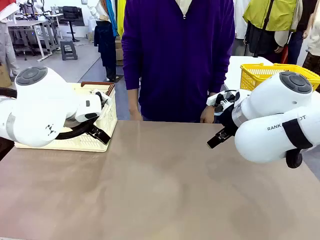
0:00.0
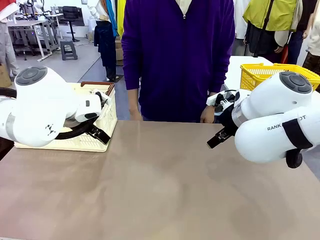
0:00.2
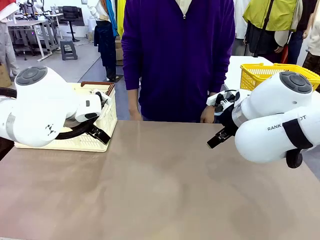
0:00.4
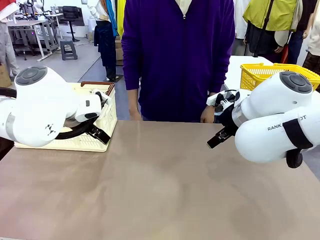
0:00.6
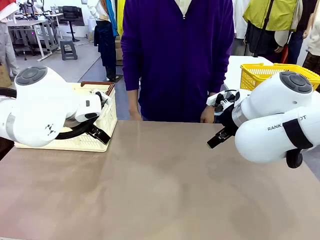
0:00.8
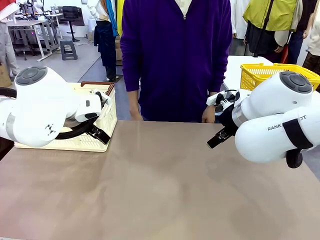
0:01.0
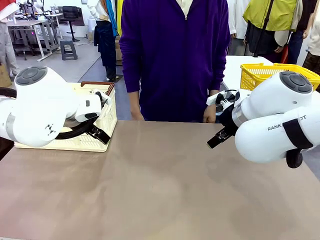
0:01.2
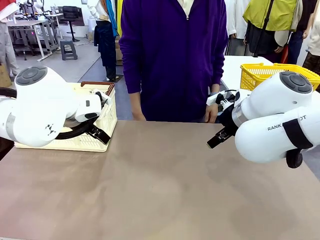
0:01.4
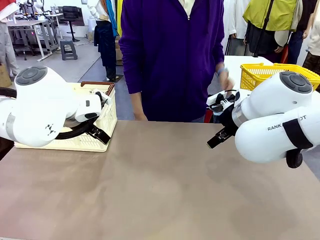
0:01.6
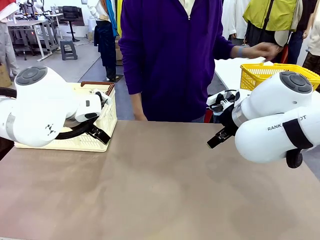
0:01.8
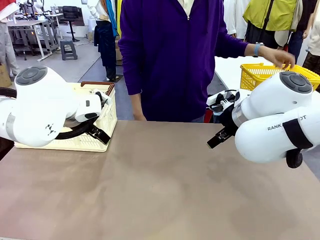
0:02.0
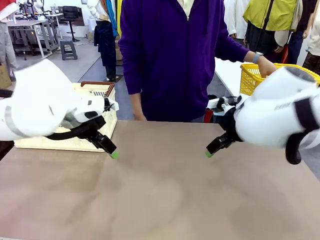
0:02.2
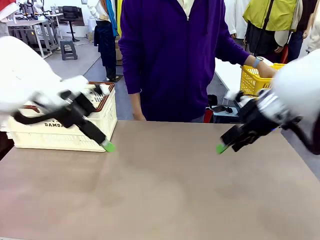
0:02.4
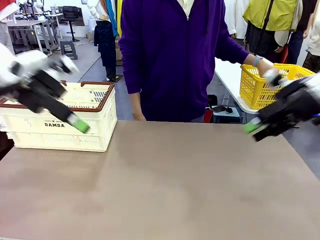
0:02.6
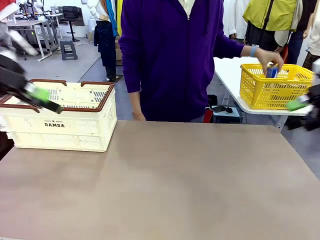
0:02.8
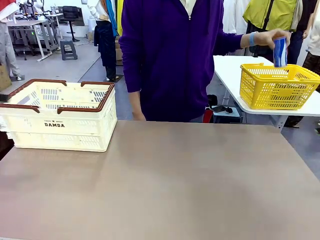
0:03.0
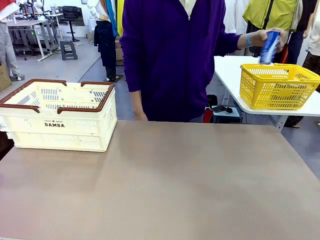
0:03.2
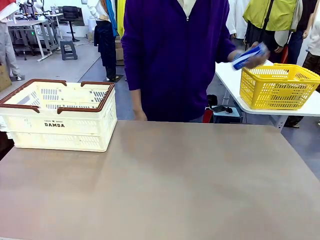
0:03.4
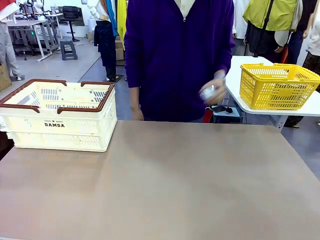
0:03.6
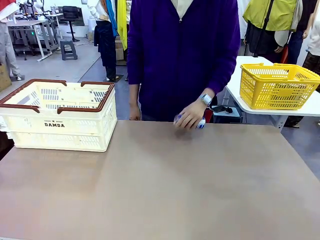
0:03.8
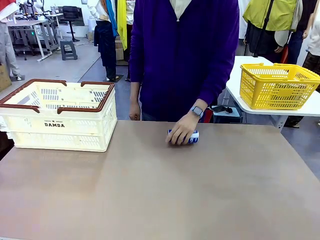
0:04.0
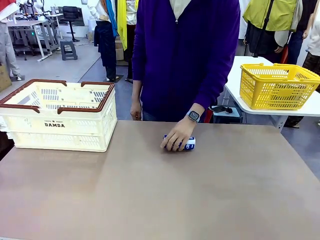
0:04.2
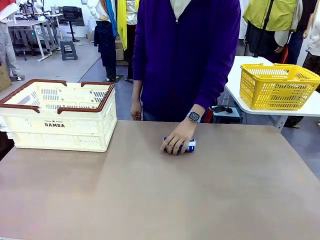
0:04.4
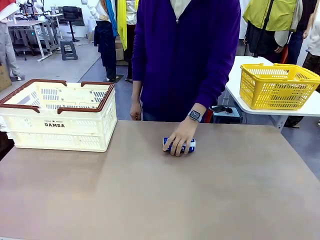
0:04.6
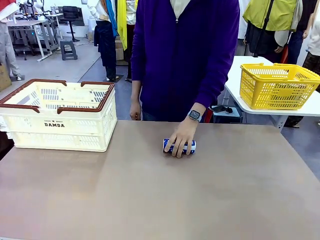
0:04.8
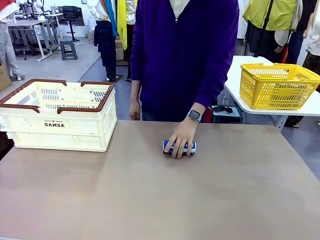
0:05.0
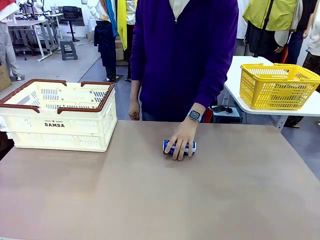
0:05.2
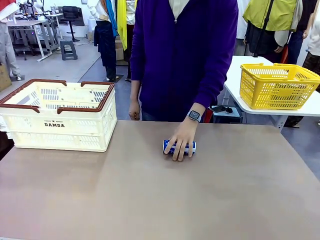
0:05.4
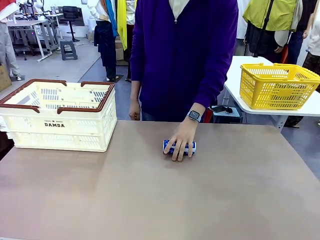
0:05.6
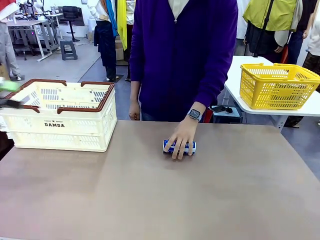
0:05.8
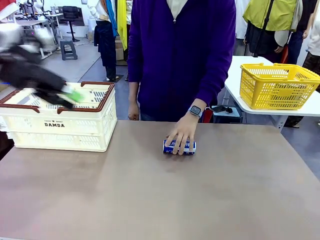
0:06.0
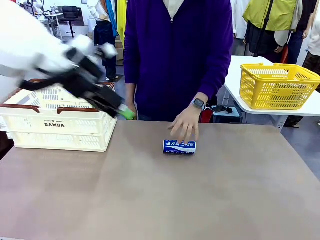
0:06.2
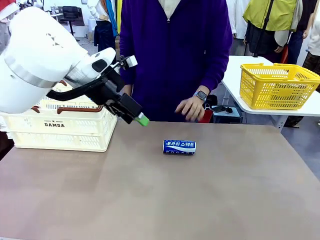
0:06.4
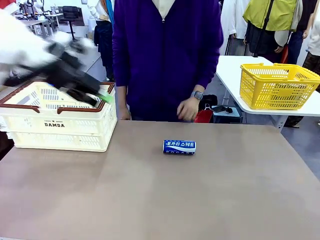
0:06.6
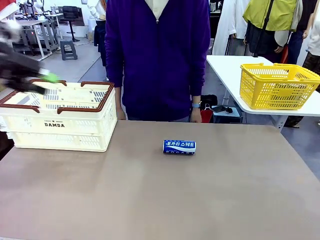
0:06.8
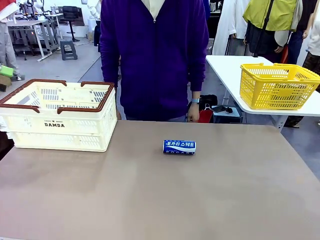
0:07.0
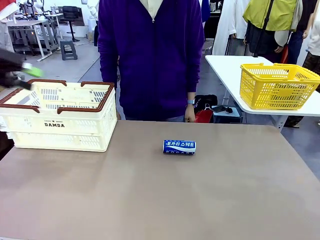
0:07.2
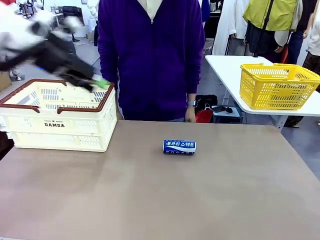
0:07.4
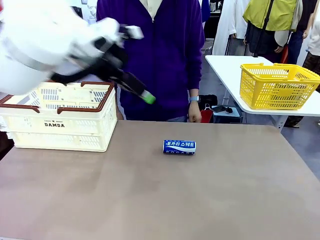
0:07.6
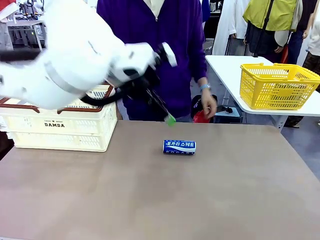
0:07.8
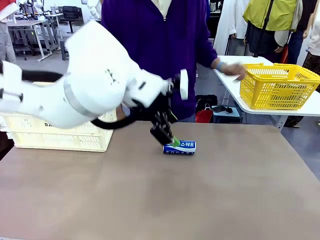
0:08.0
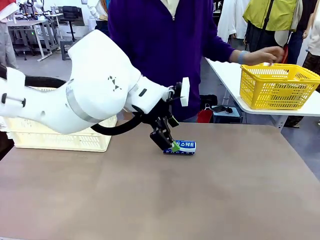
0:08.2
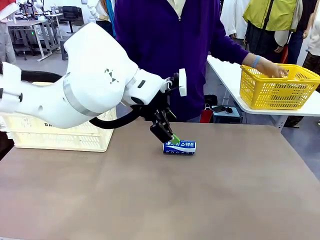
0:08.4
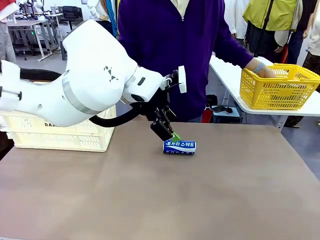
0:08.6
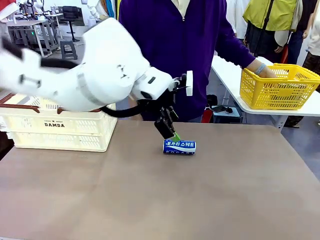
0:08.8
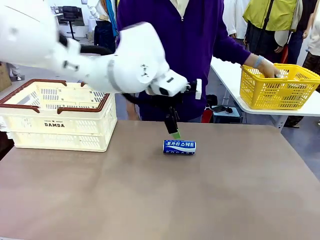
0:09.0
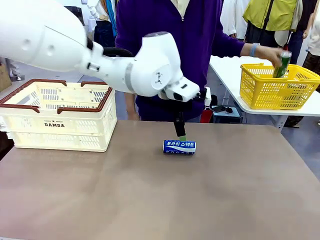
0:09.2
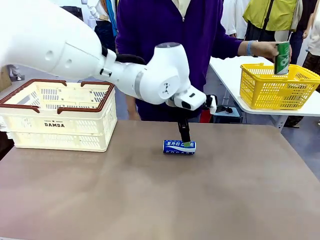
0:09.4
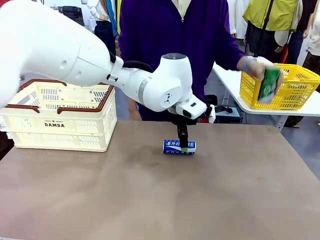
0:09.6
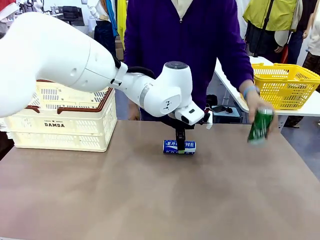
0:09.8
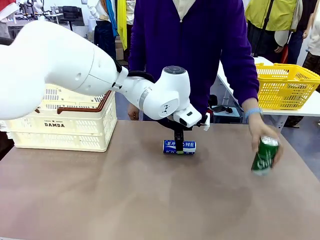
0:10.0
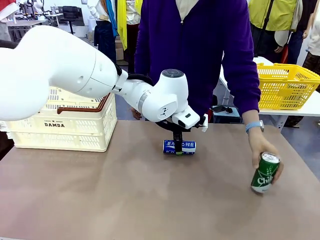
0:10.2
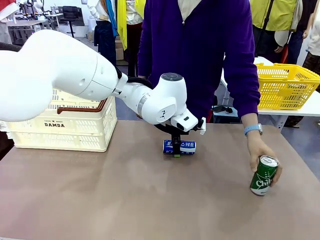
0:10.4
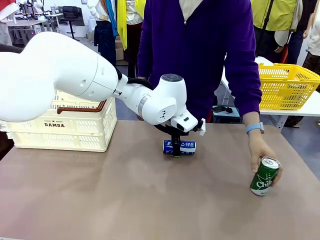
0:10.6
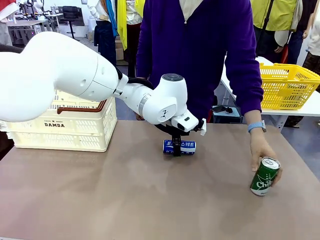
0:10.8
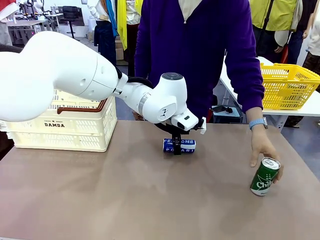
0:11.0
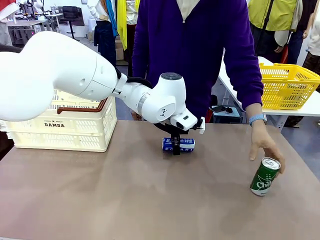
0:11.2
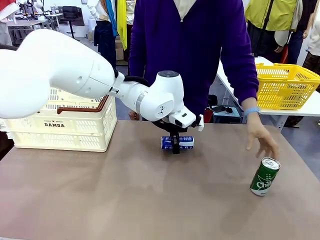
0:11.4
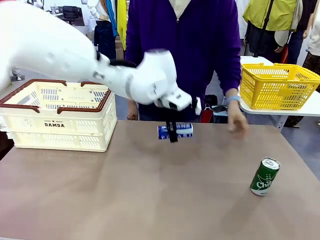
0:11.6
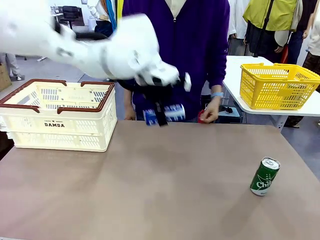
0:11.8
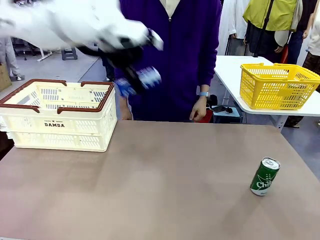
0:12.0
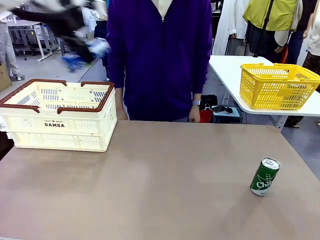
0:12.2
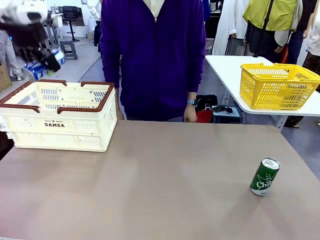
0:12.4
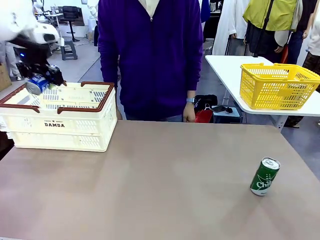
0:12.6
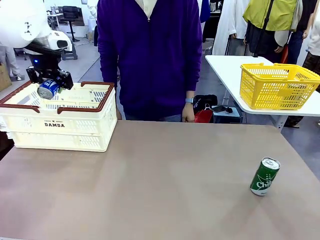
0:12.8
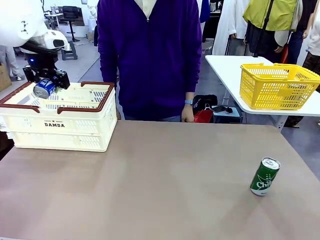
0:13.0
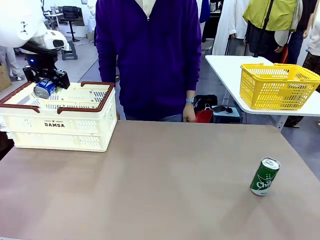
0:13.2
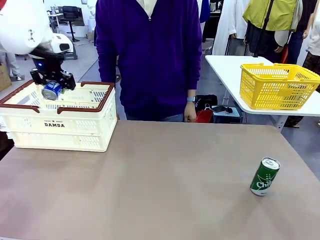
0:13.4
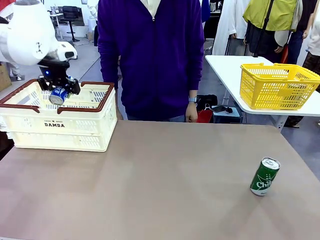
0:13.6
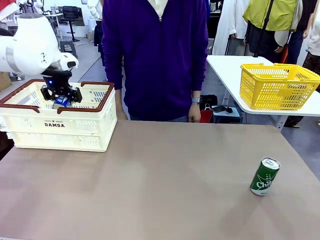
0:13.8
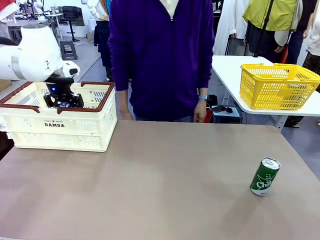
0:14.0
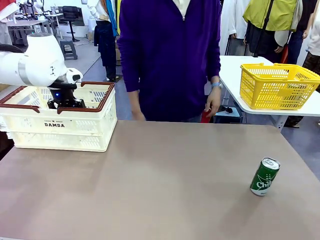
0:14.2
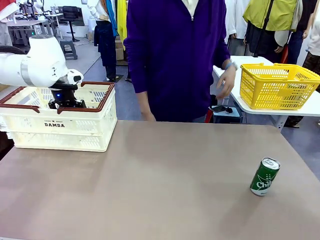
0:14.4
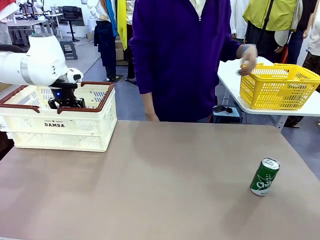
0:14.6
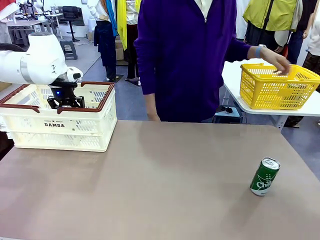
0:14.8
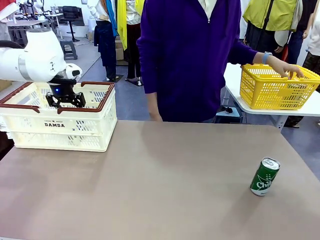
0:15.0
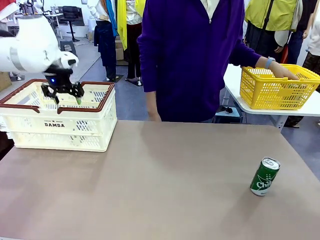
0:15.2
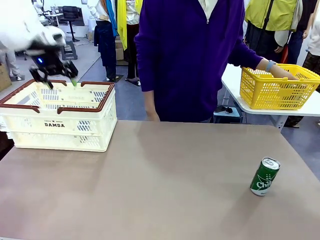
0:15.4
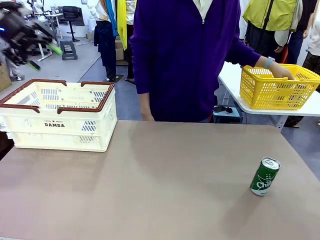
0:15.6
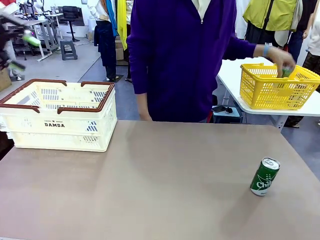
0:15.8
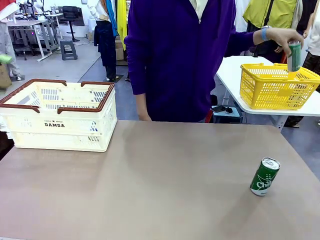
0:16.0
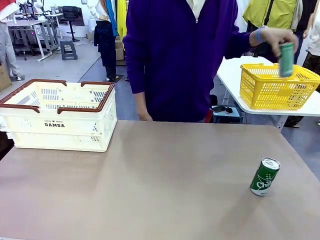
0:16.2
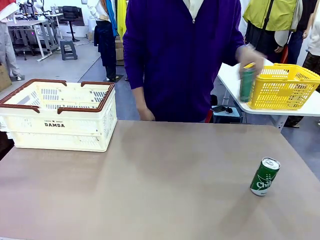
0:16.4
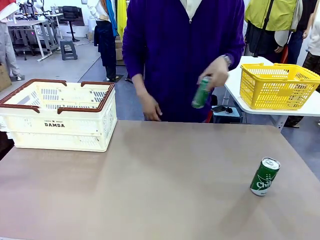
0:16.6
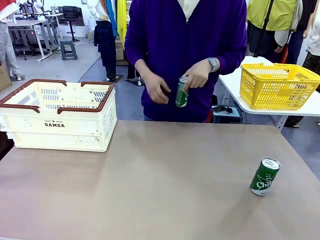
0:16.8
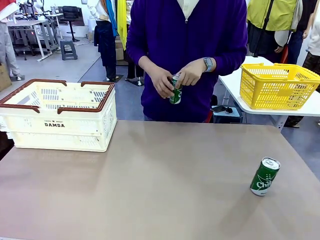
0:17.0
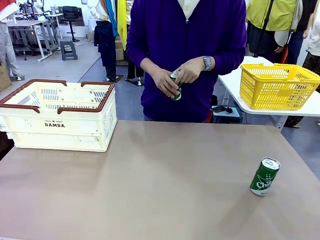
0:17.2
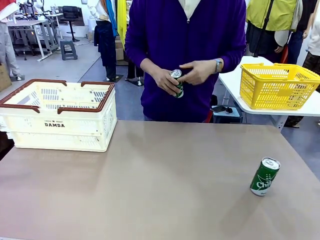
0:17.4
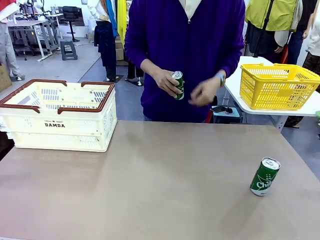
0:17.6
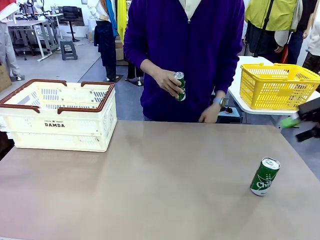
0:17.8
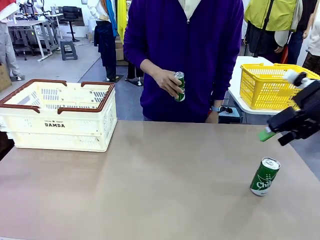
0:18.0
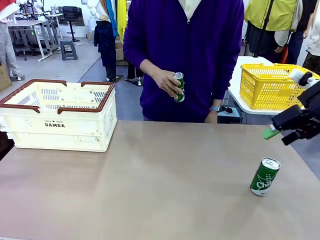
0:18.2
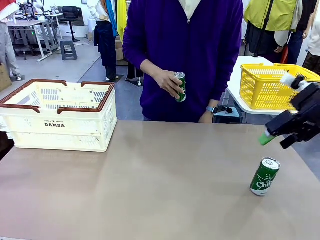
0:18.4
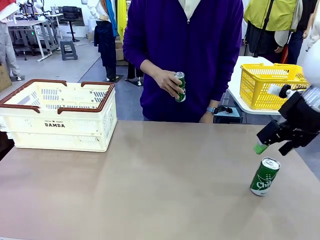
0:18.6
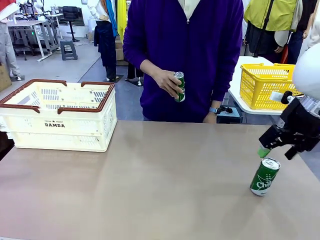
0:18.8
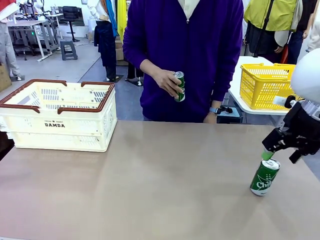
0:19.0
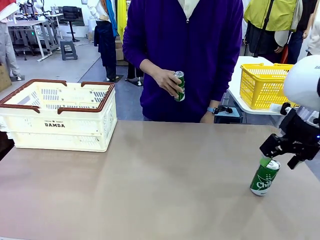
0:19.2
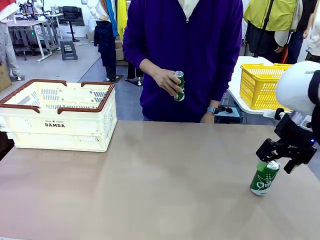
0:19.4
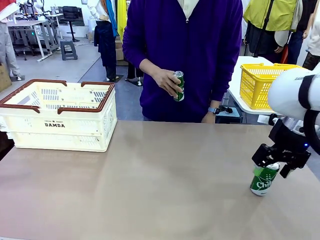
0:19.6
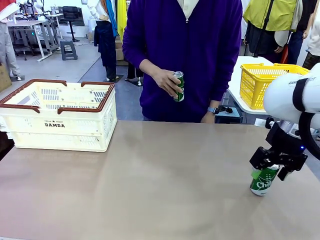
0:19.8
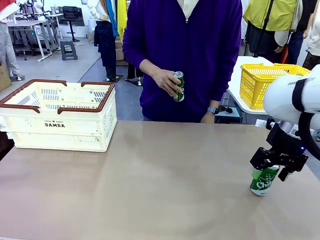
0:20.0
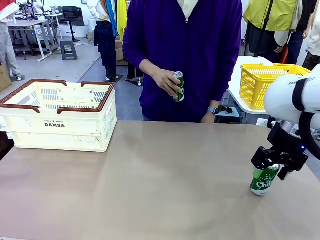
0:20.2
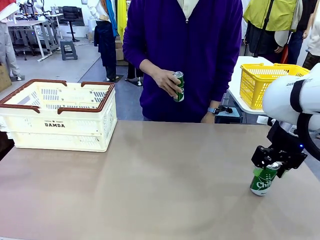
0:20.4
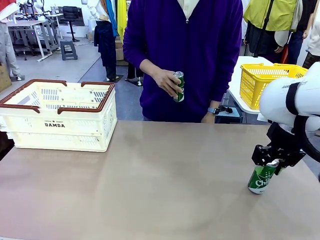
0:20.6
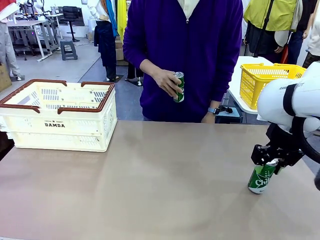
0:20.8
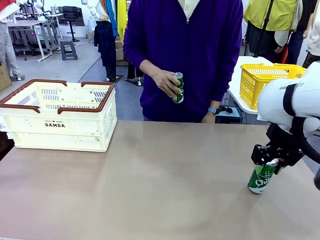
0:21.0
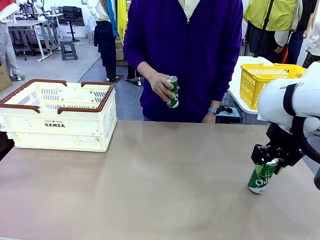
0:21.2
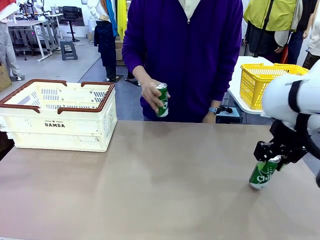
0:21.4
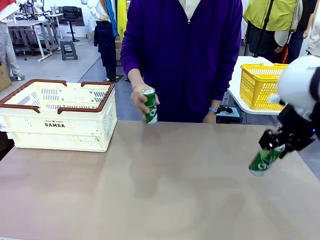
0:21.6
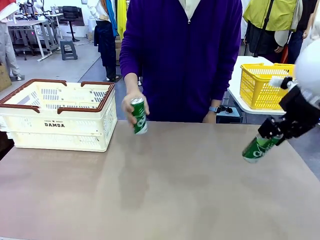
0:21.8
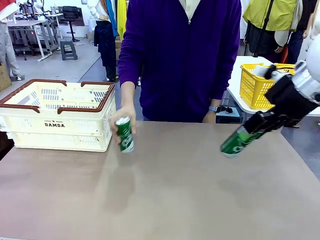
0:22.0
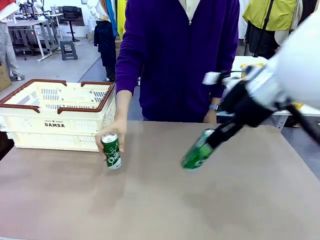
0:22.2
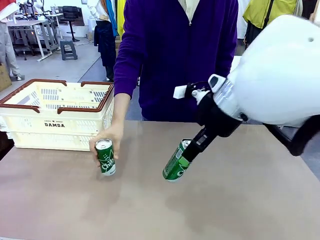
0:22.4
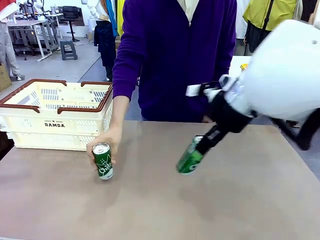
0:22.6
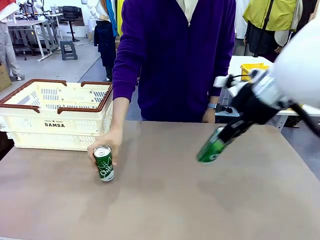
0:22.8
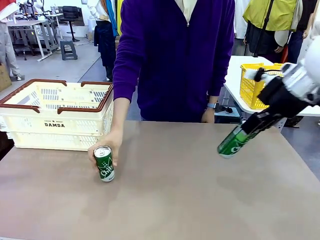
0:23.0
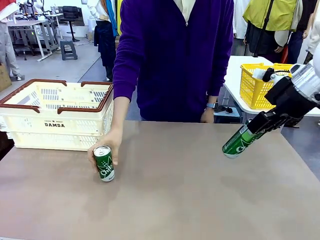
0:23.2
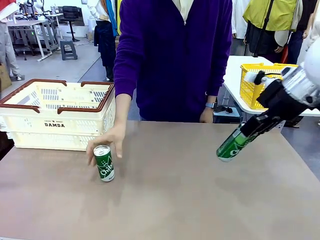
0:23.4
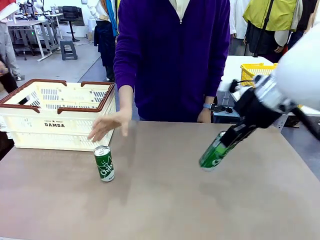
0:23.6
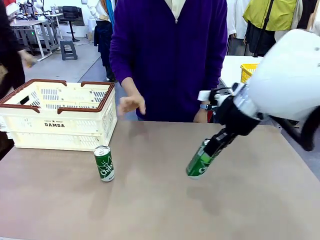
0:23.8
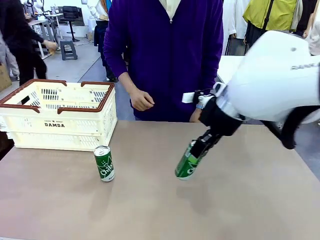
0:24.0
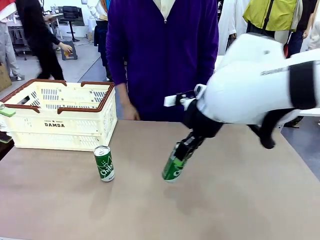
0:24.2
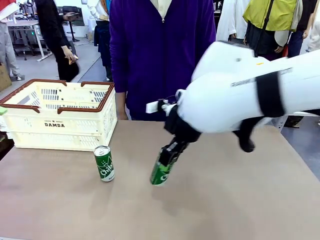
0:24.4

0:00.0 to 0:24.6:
Task: Place the drinks into the Shopping basket.
Robot: Pick up one drink and place it into the Shopping basket.
